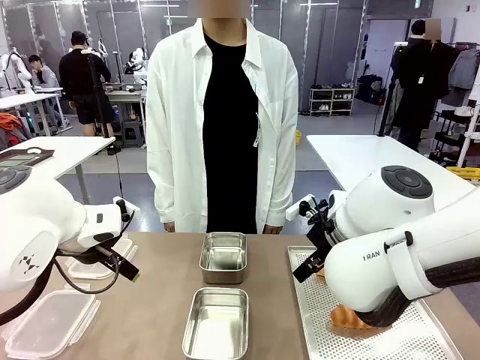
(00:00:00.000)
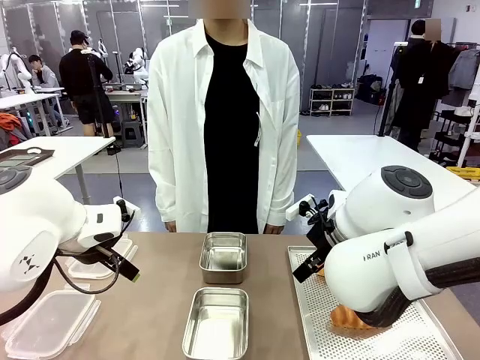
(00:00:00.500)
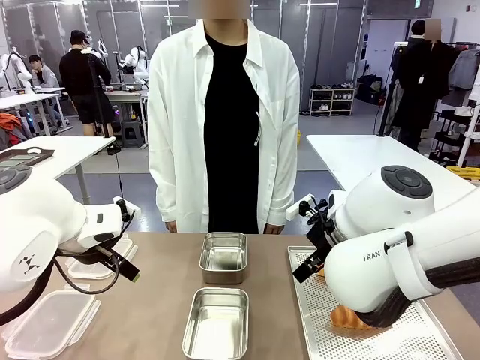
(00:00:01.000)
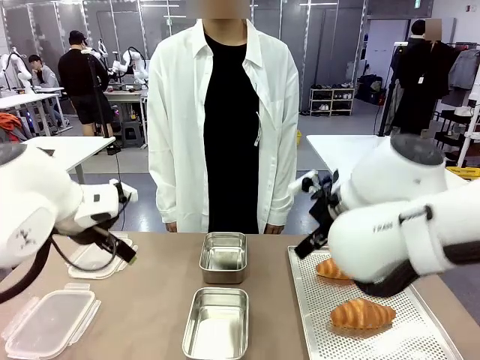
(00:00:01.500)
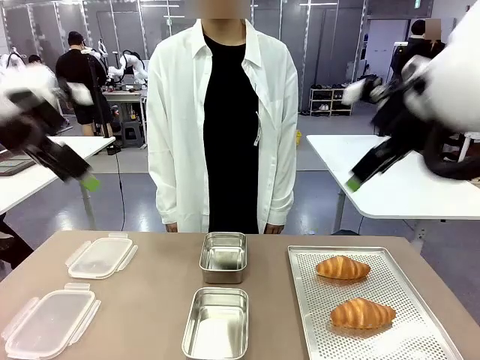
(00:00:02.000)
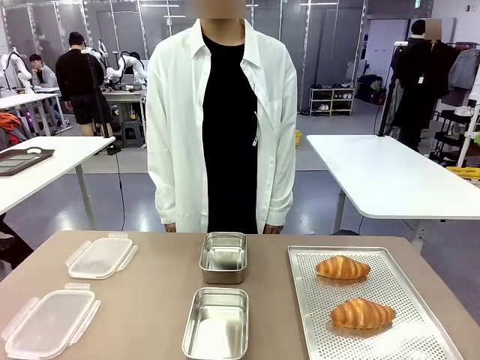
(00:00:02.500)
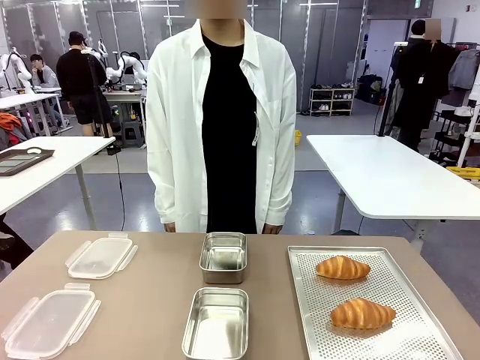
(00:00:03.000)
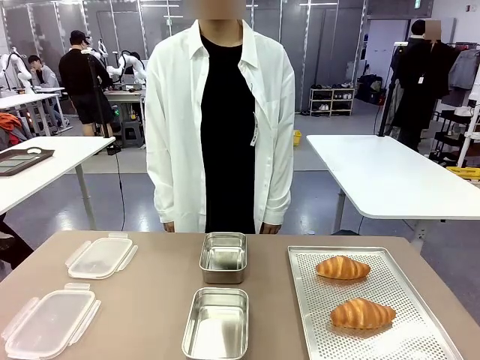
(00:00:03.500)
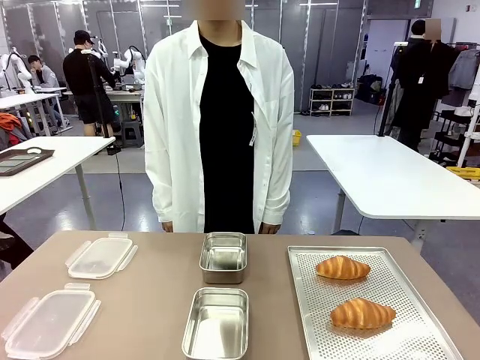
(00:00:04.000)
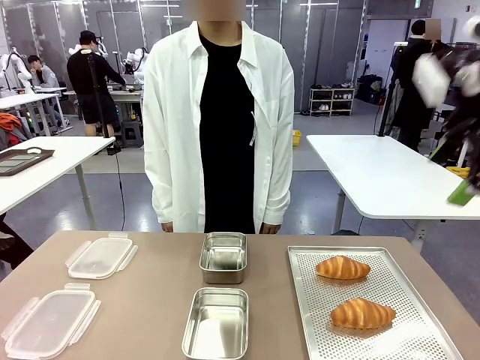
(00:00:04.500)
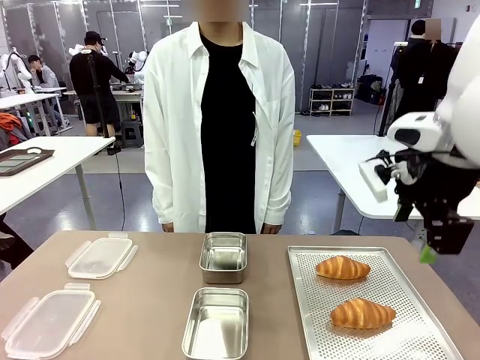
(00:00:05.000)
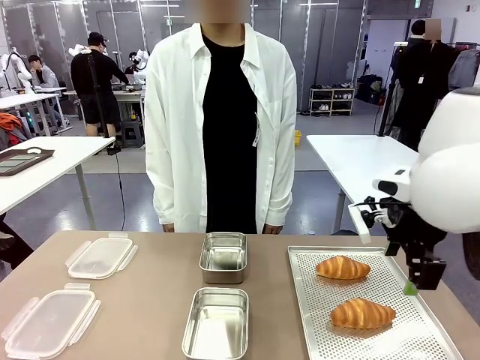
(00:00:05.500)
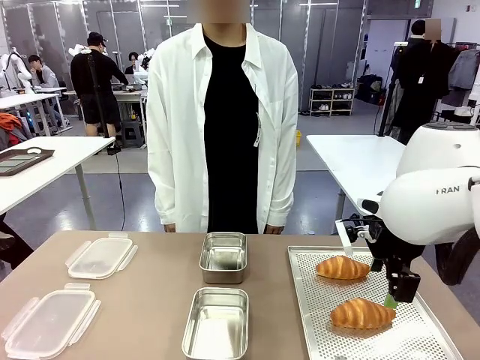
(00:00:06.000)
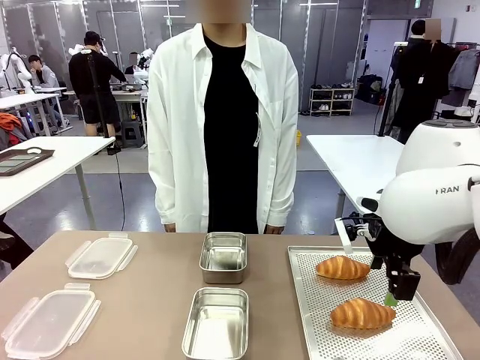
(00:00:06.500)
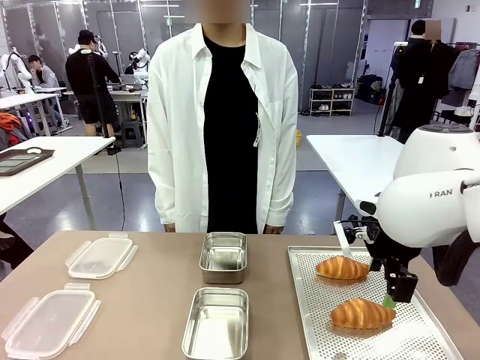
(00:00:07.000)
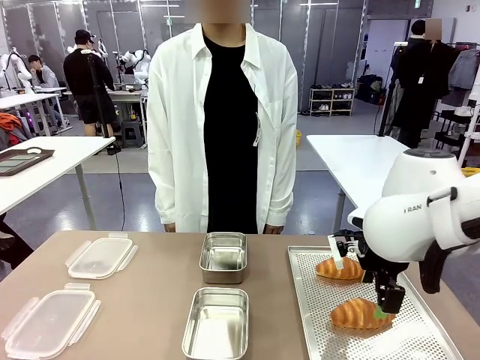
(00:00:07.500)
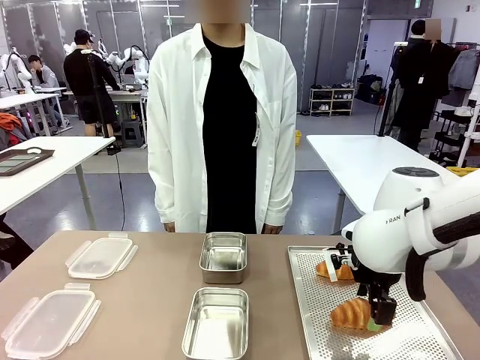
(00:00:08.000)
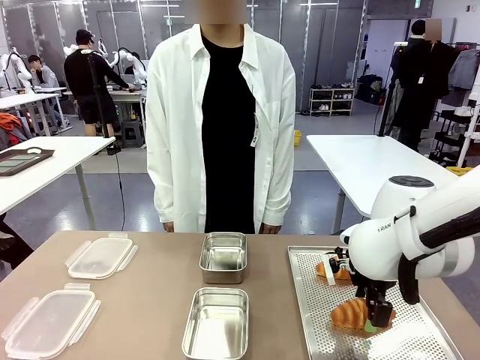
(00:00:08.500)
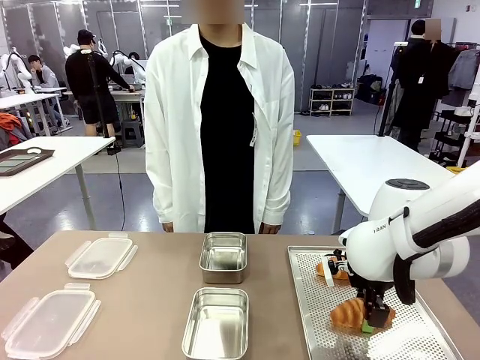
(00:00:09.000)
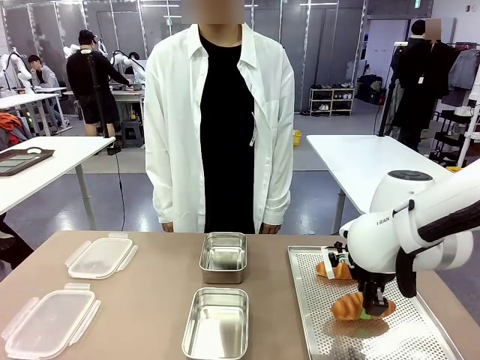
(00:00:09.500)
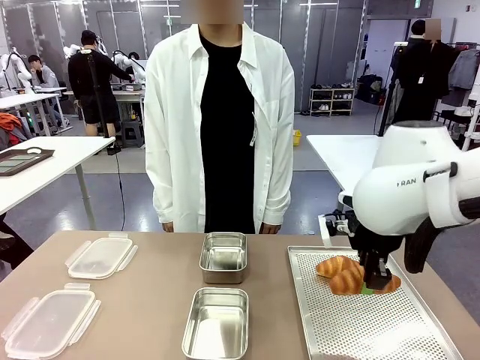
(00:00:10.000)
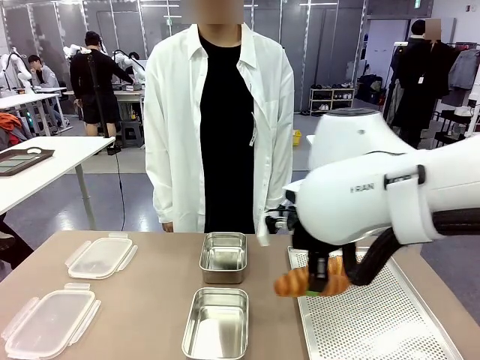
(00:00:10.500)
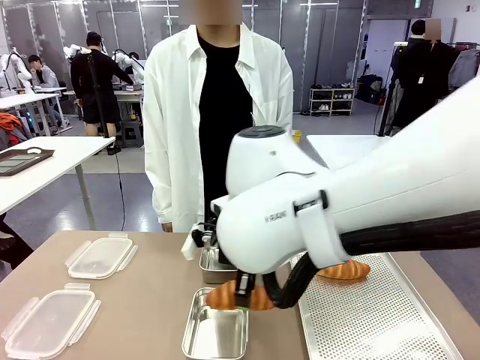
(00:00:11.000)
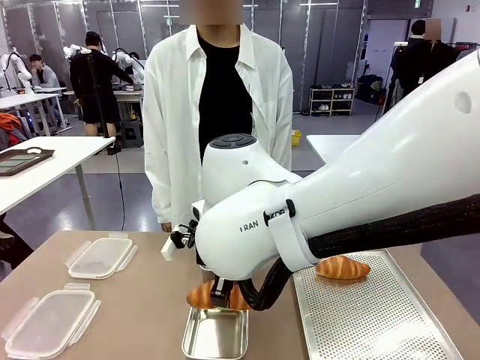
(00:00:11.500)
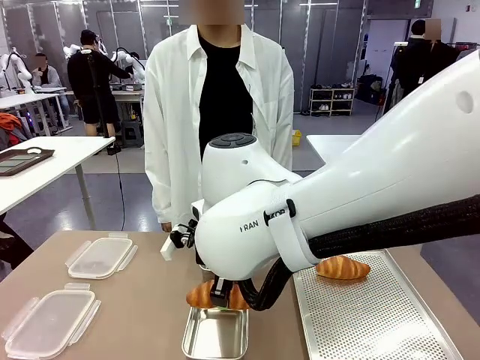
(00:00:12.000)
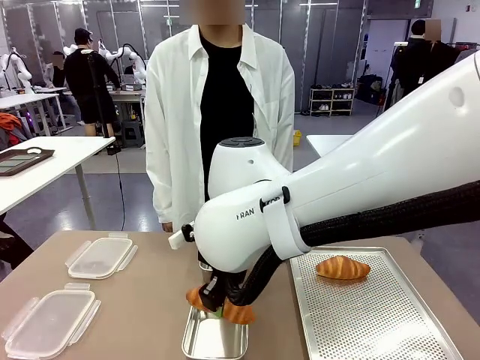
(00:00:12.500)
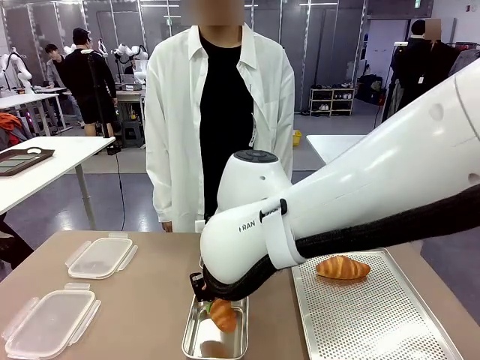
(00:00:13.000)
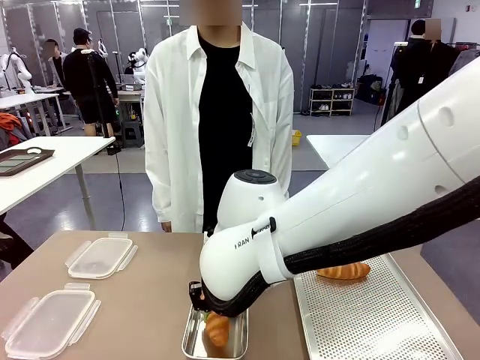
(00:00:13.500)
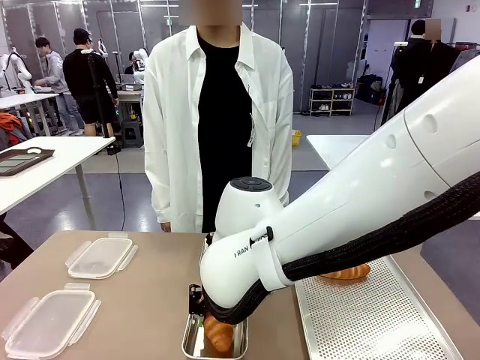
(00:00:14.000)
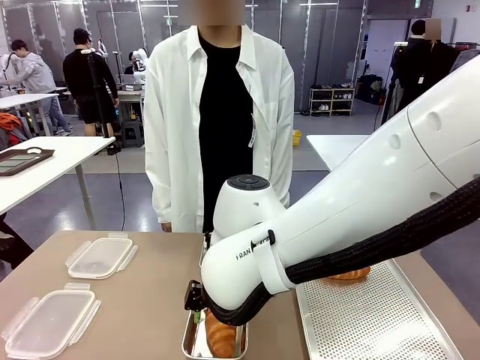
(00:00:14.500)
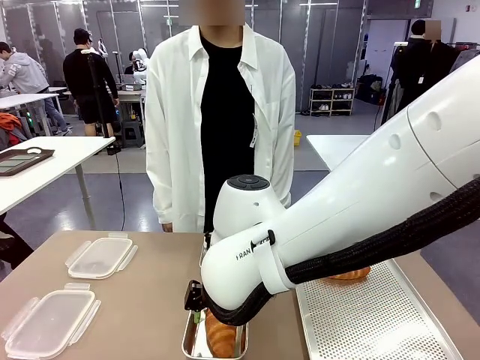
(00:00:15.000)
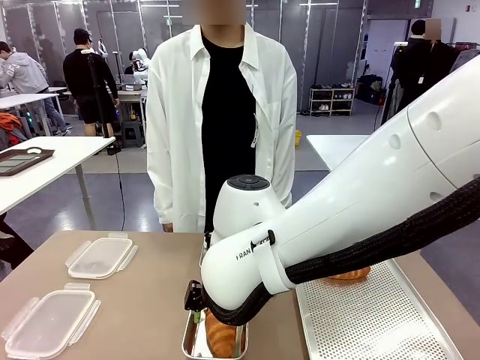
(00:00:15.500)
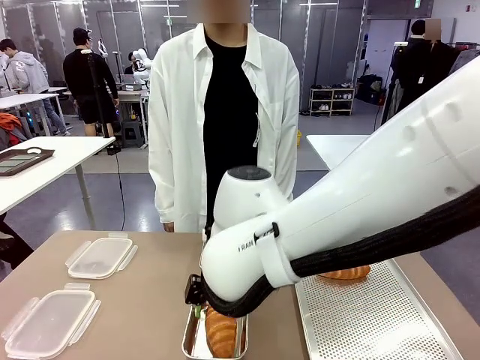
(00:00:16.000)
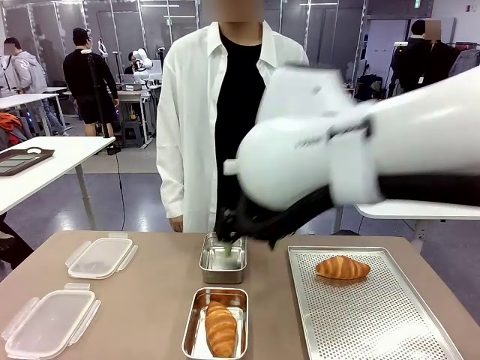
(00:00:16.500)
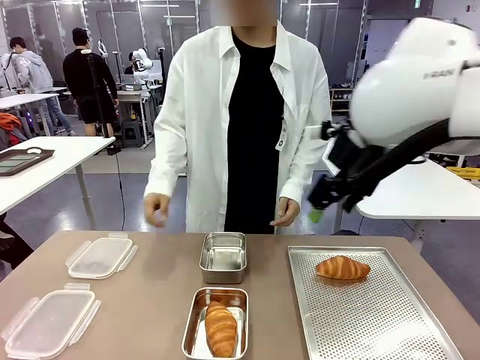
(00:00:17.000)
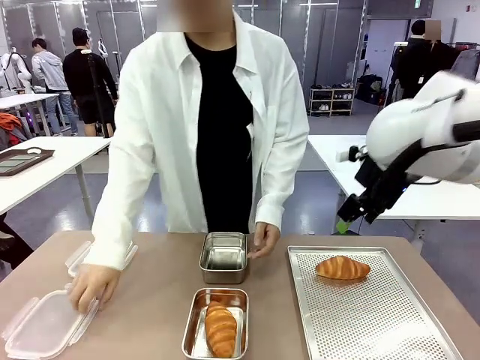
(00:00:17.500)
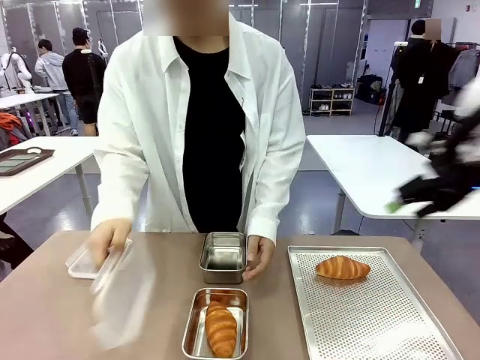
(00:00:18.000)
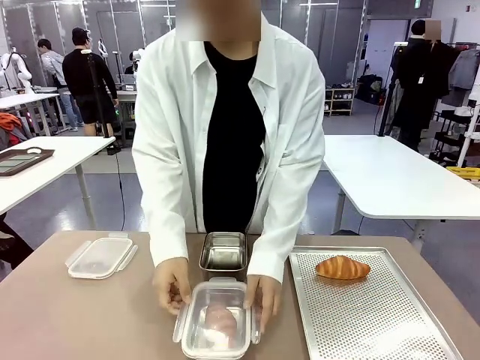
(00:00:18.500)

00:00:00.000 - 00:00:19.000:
Task: Place the bread into the airtight container.
Robot: Pick up a Butter Roll and place it into an empty Airtight Container.
